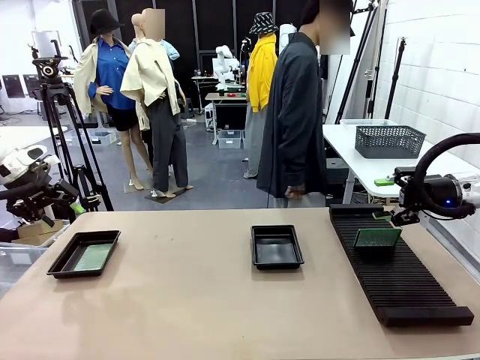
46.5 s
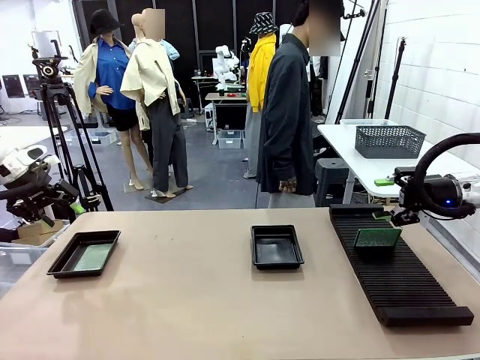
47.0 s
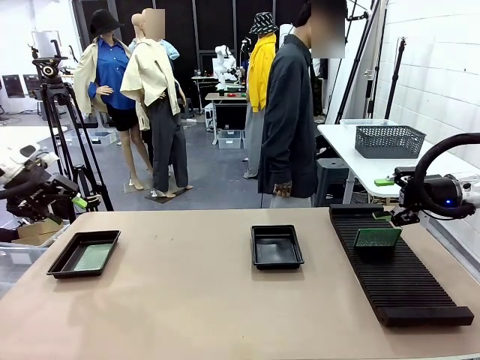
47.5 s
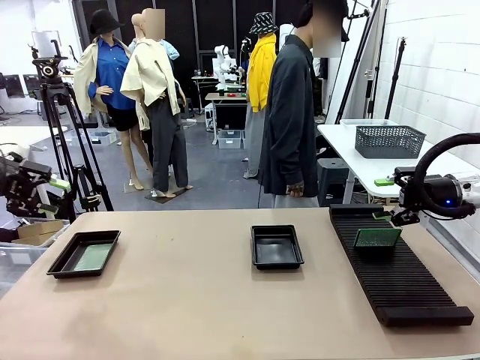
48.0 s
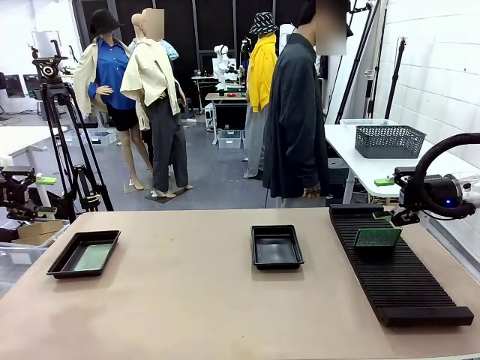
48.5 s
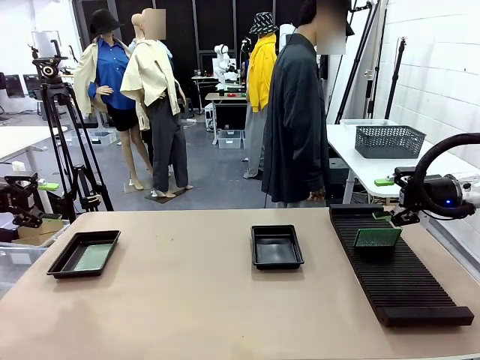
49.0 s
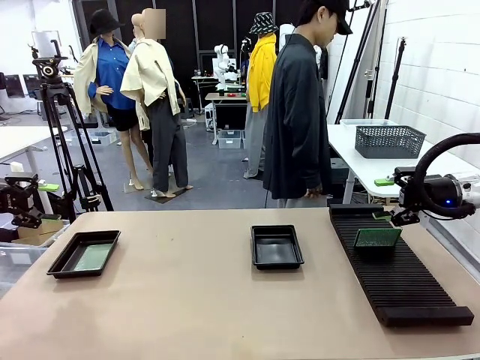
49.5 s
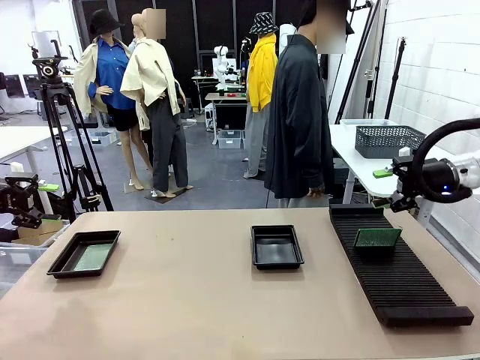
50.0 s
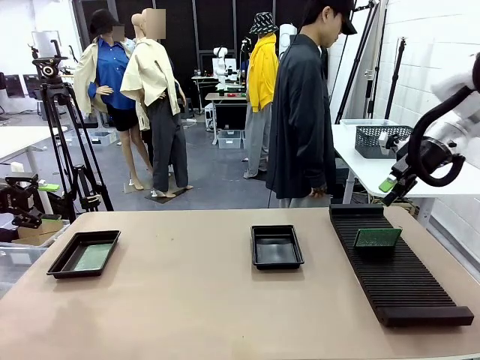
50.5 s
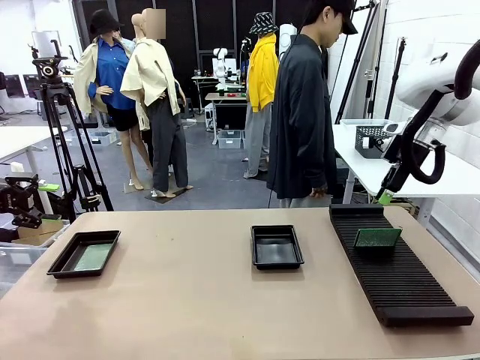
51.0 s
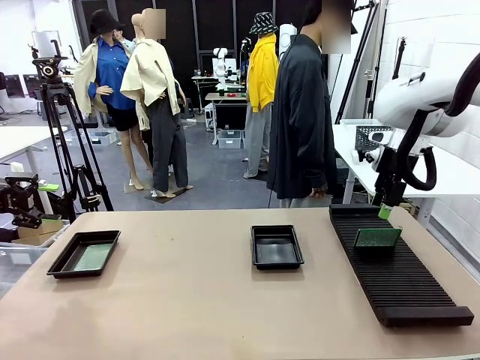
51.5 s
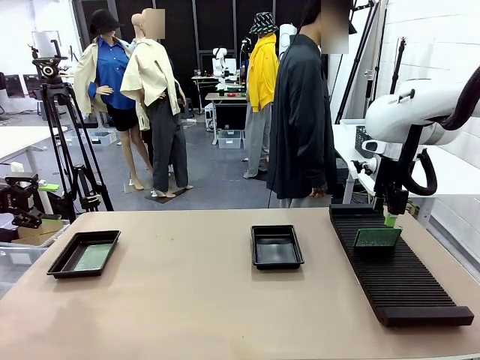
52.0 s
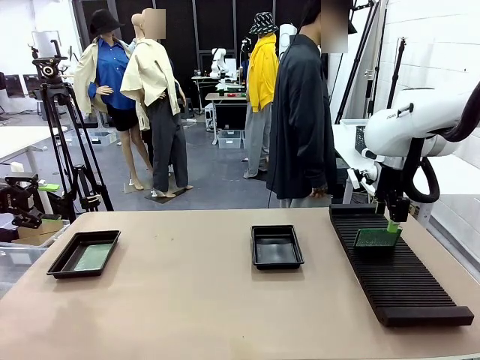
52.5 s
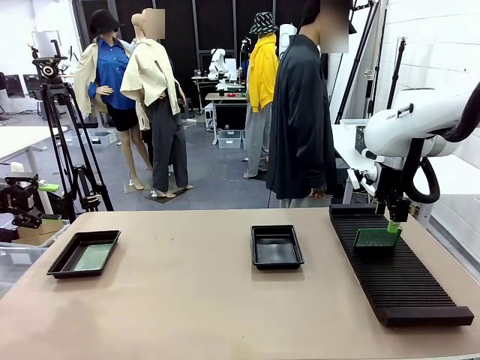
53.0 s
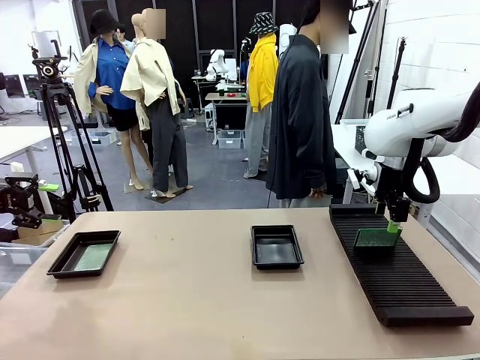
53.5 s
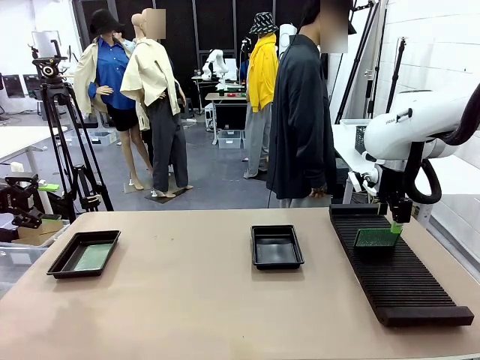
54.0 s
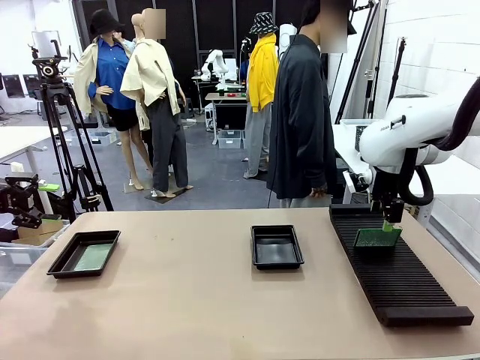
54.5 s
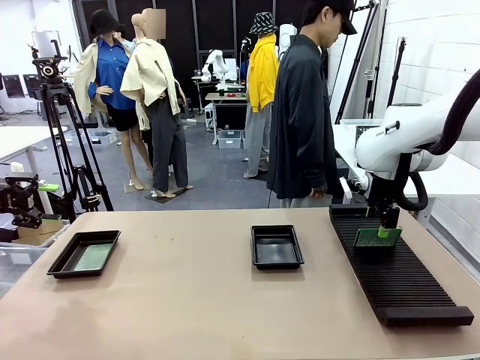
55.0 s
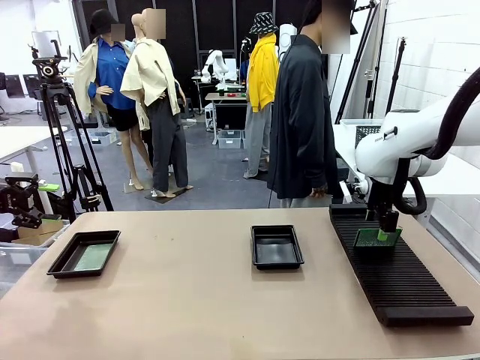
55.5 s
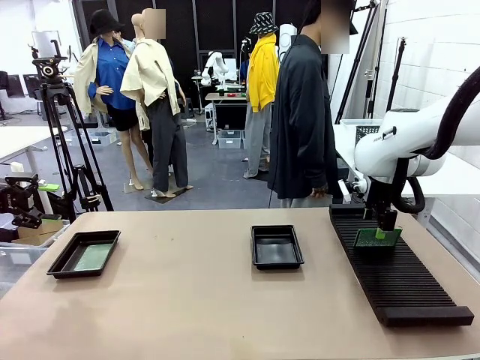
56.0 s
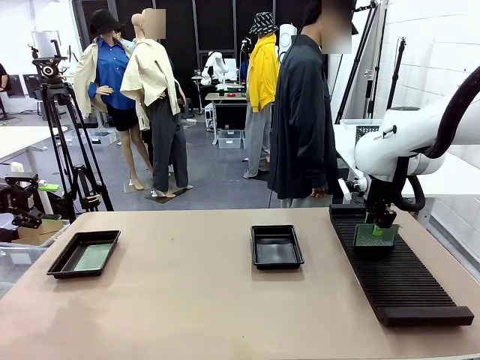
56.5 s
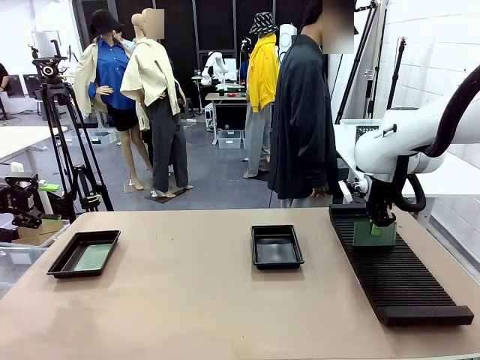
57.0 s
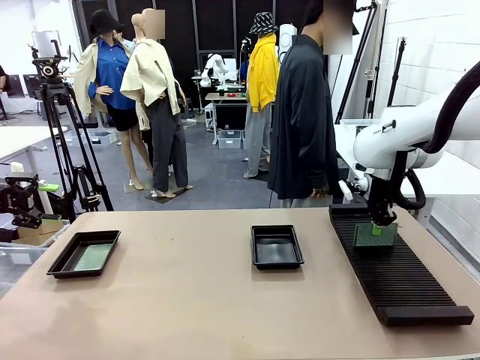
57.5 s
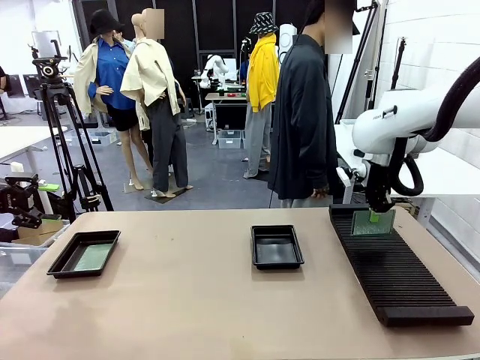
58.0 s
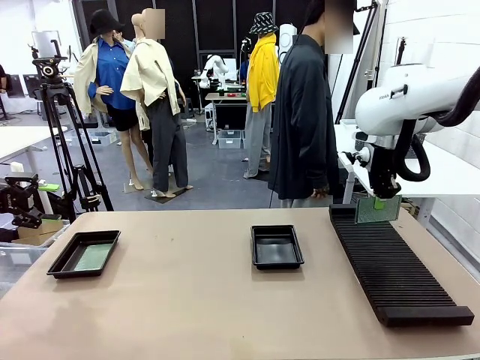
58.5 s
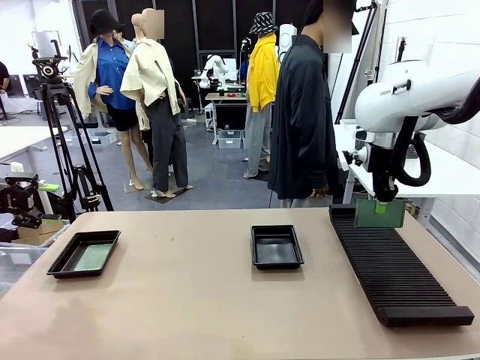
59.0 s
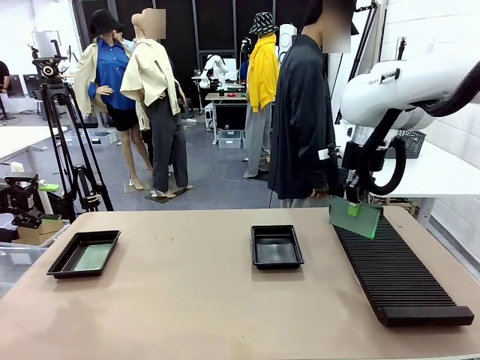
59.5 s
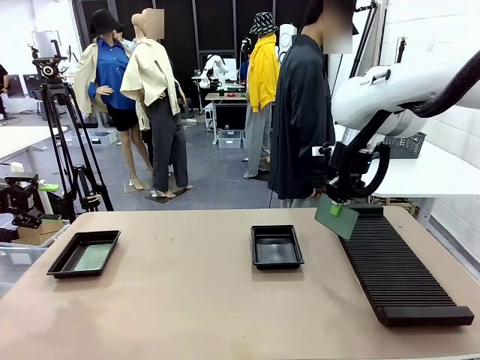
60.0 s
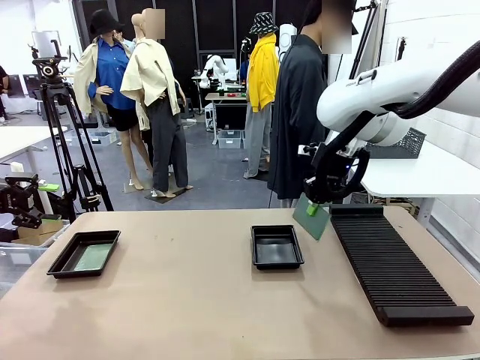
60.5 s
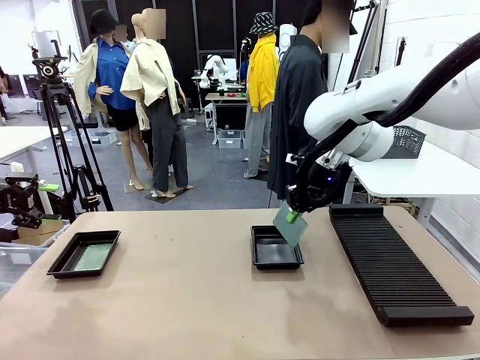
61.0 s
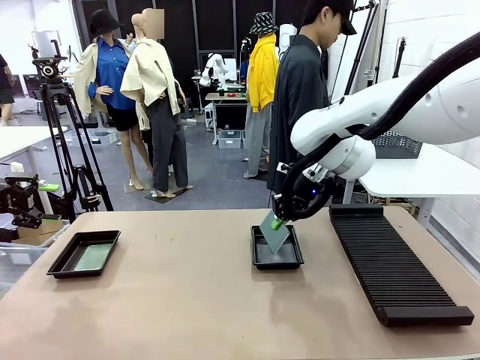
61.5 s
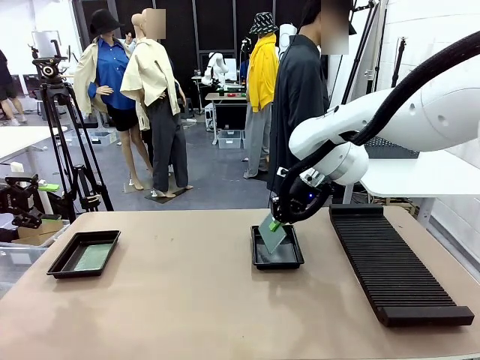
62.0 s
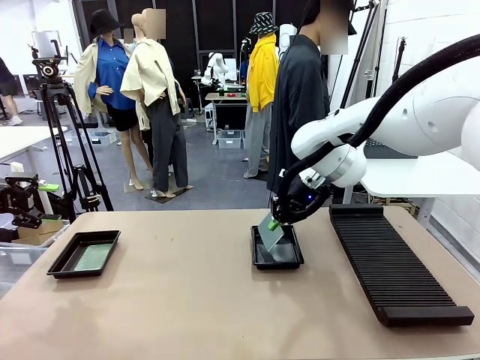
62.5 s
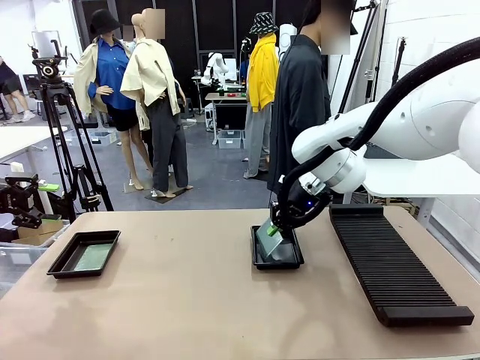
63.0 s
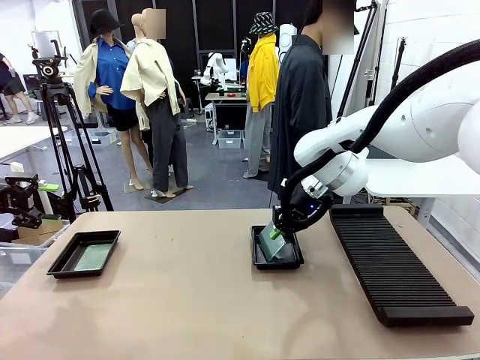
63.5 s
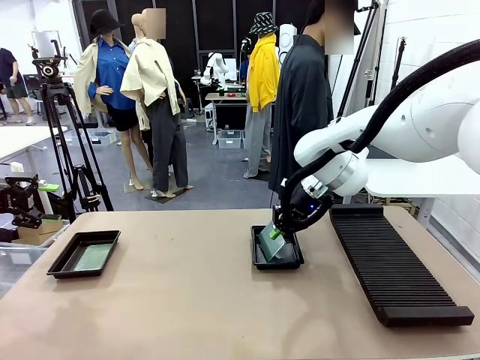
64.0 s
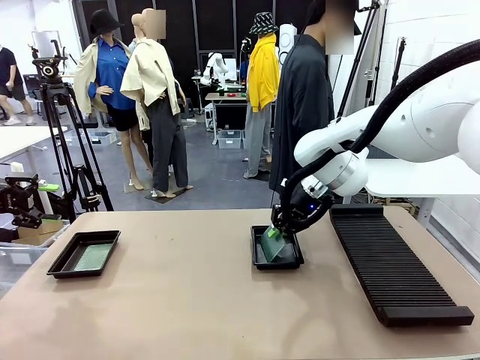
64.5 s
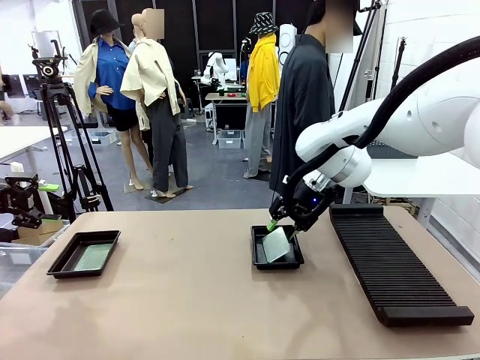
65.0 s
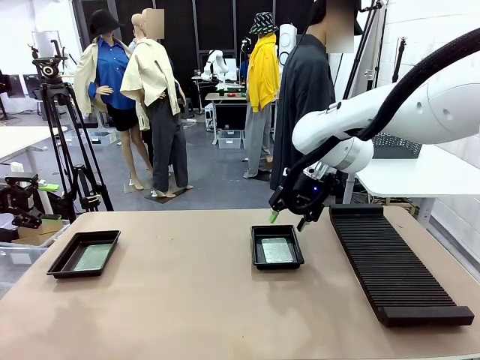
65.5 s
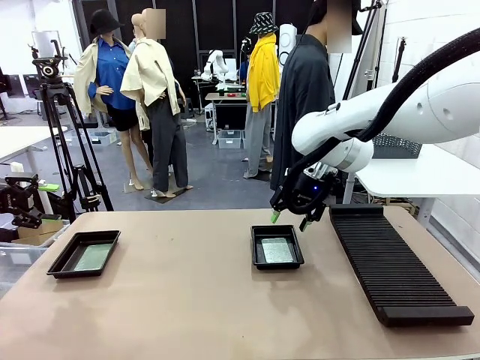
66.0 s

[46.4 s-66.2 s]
Task: Inspect and transfer BCBs to ESD trays.
Robot: Pick up the Blank PCB from the PCB Rack and place it in the right ESD tray.

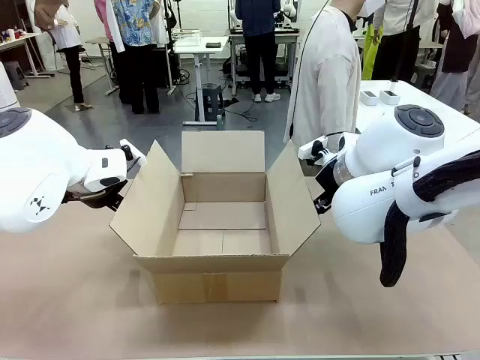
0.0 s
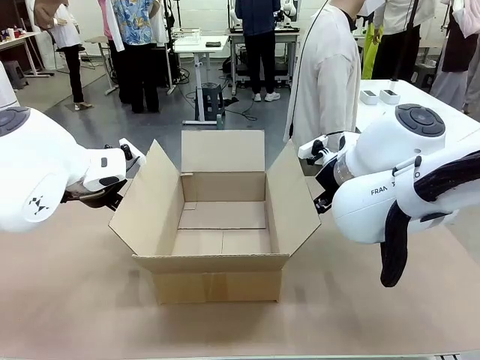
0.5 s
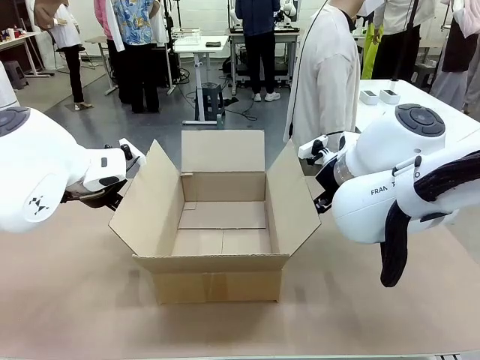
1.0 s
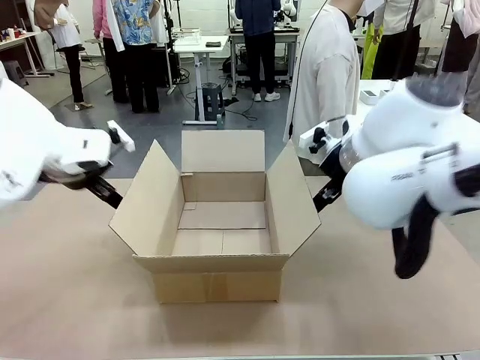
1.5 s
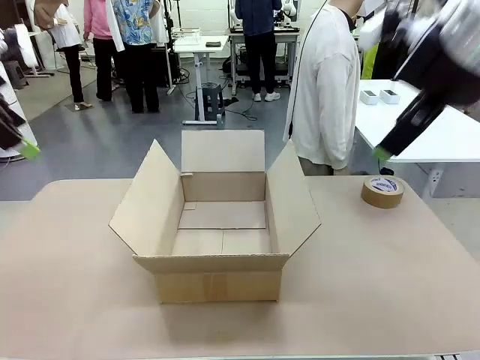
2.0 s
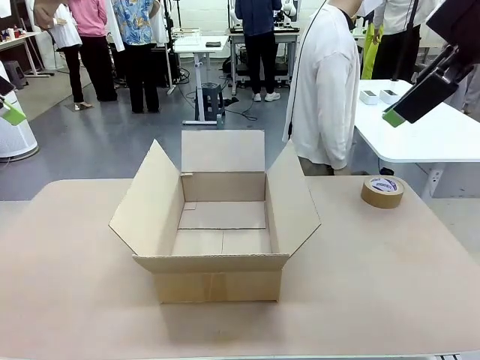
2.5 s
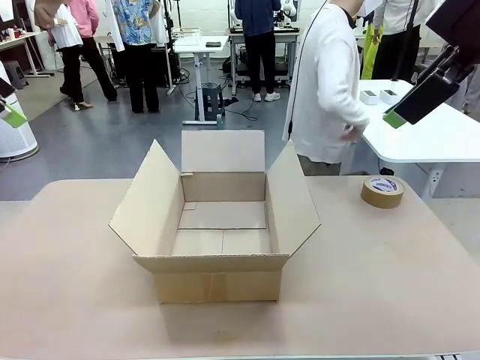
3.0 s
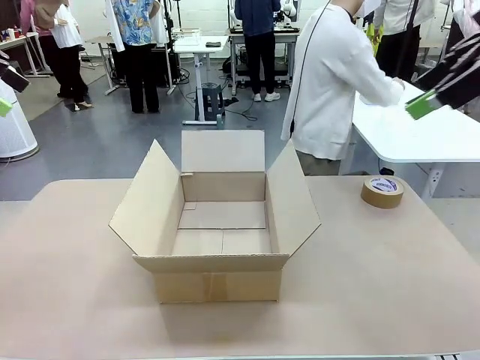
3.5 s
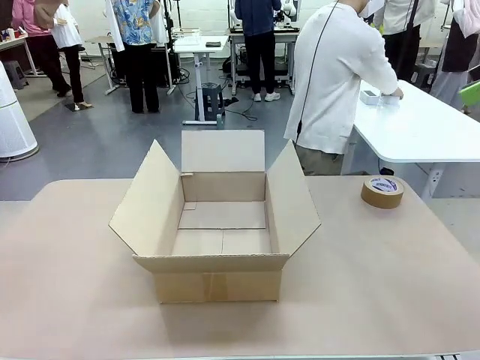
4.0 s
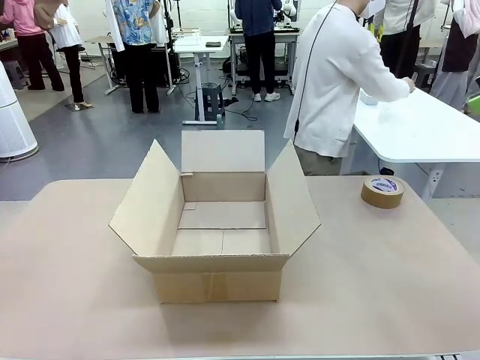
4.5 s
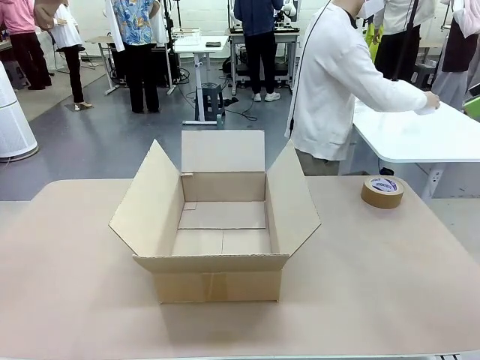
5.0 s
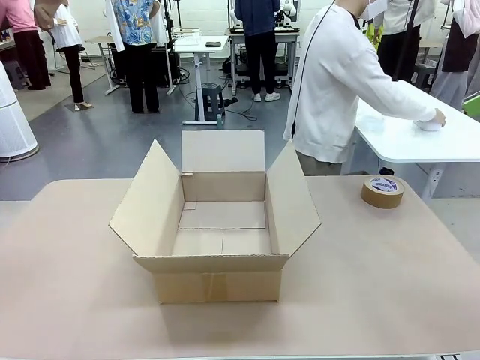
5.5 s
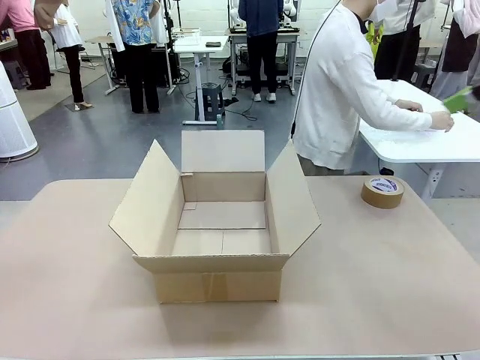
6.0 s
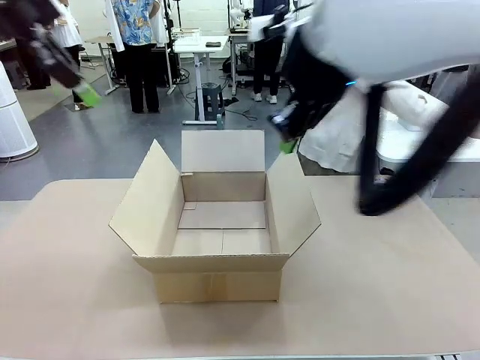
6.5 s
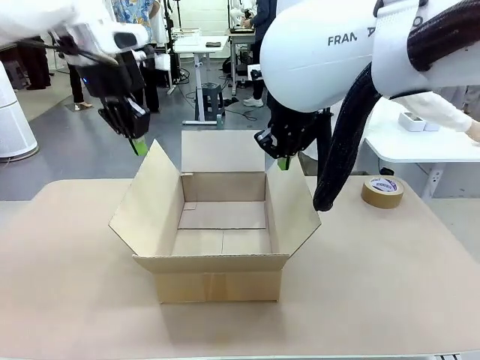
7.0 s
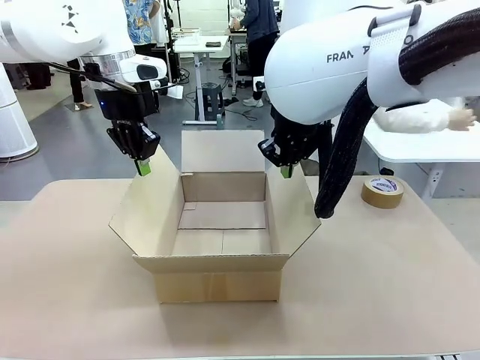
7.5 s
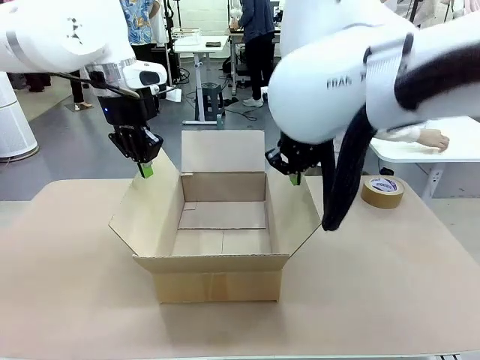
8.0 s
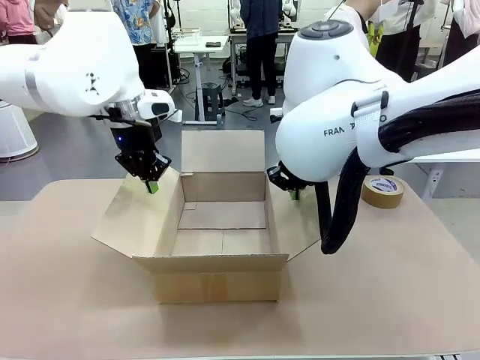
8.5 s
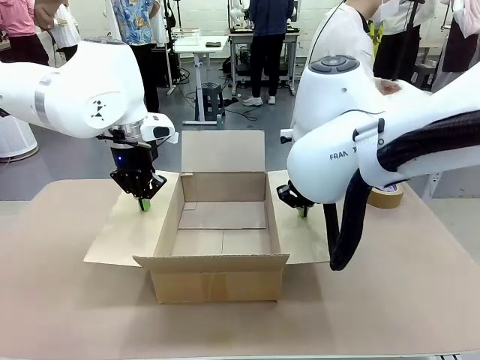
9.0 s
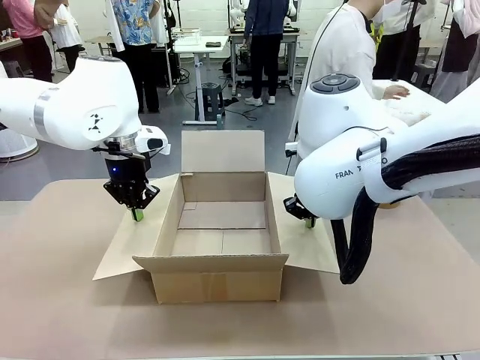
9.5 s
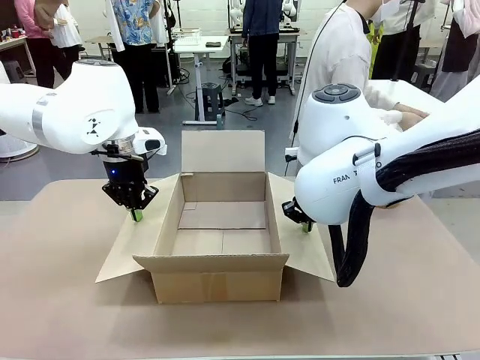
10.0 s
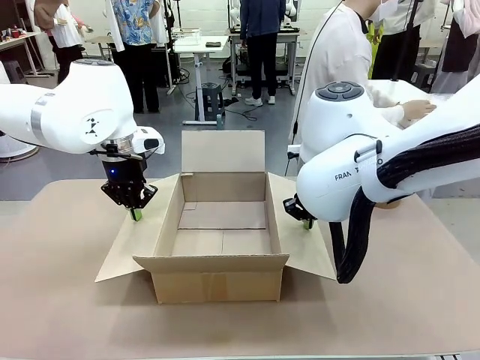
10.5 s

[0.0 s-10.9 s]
Task: Wrap the clocks to prevent damage.
Robot: Open the side flaps of the Package Box.
Person: Wrap the two Digital clocks with Bubble Wrap.
